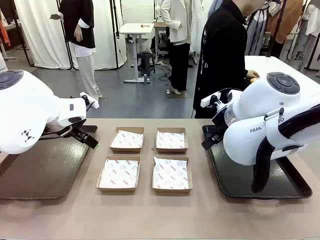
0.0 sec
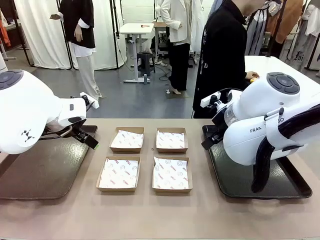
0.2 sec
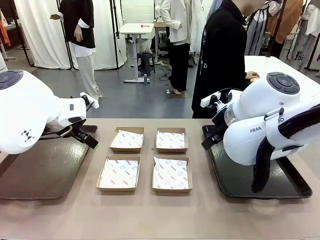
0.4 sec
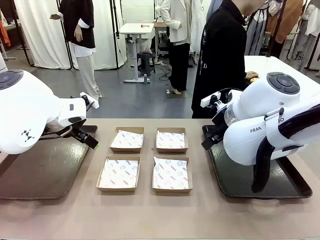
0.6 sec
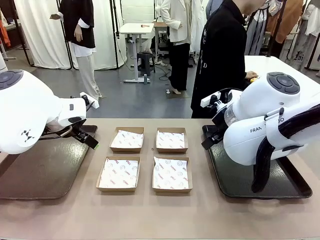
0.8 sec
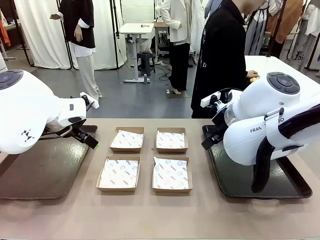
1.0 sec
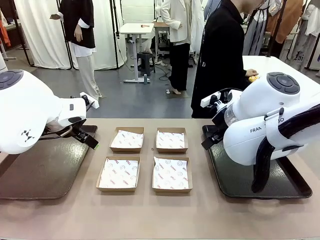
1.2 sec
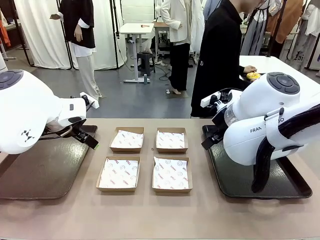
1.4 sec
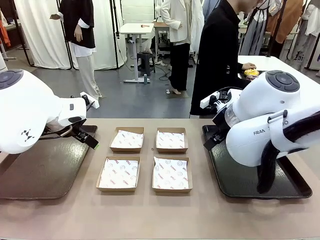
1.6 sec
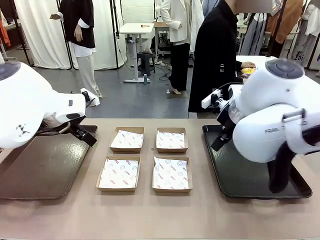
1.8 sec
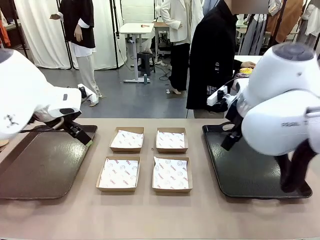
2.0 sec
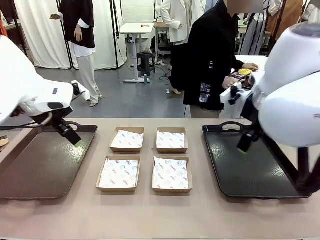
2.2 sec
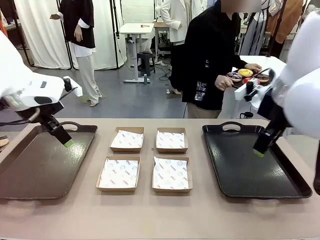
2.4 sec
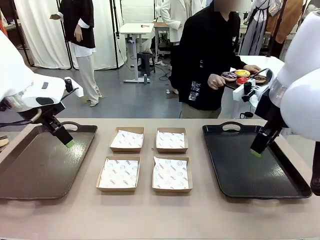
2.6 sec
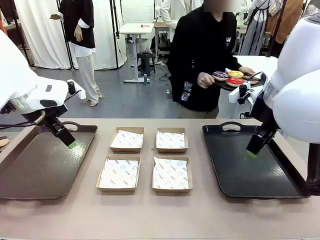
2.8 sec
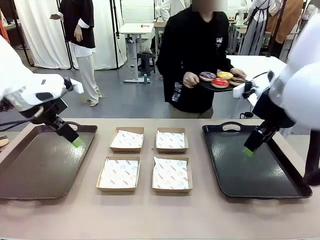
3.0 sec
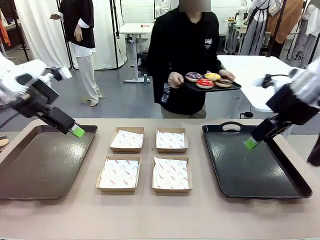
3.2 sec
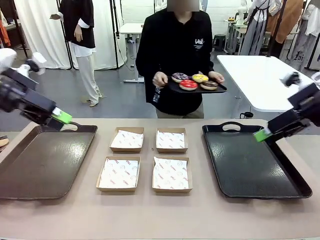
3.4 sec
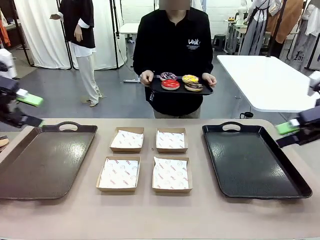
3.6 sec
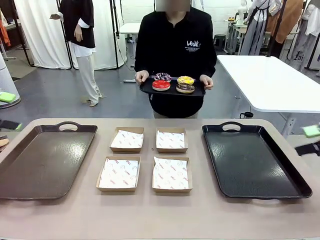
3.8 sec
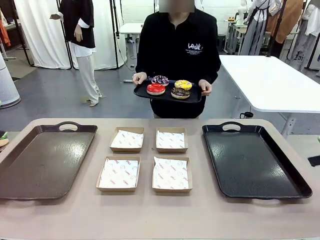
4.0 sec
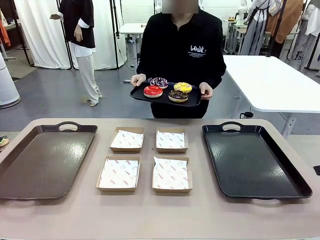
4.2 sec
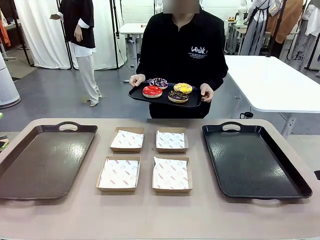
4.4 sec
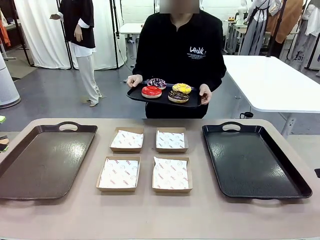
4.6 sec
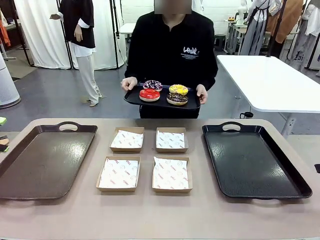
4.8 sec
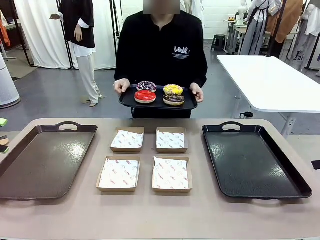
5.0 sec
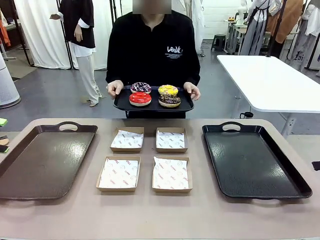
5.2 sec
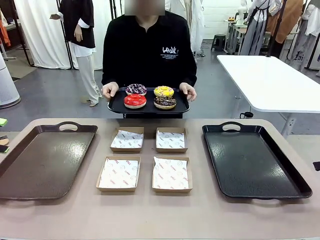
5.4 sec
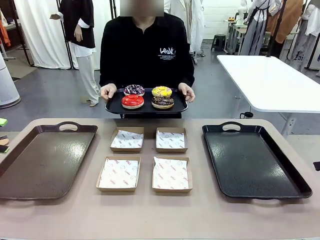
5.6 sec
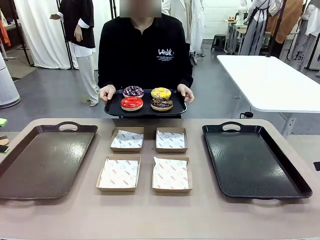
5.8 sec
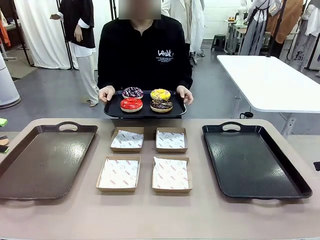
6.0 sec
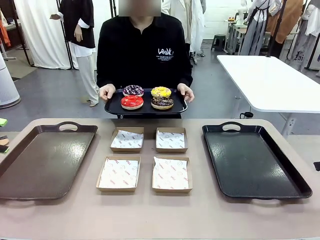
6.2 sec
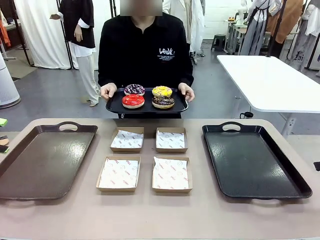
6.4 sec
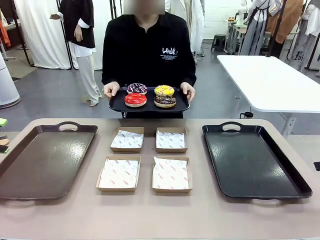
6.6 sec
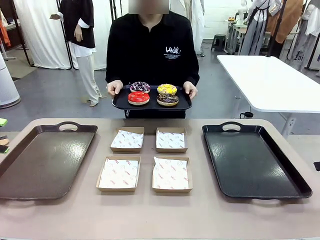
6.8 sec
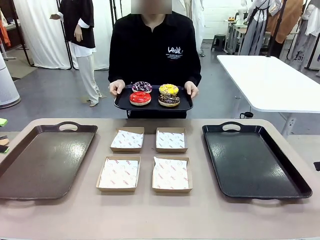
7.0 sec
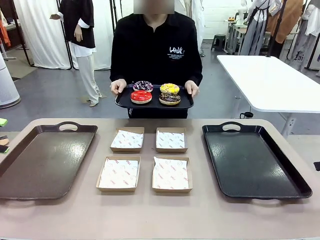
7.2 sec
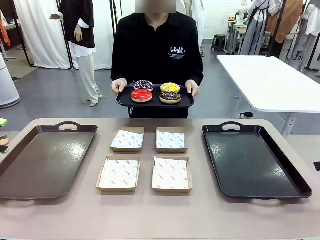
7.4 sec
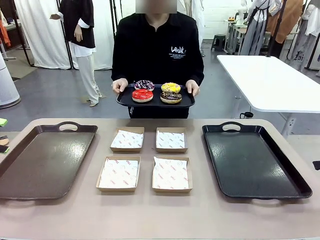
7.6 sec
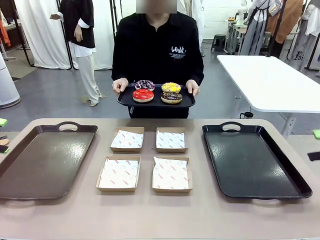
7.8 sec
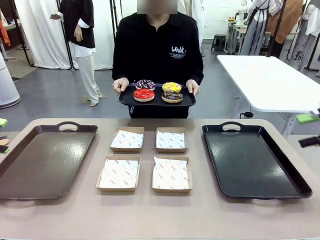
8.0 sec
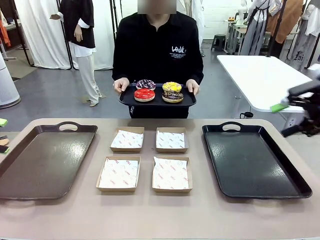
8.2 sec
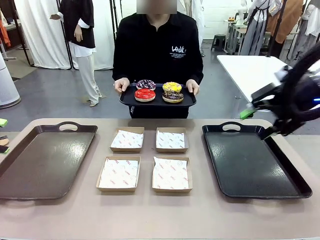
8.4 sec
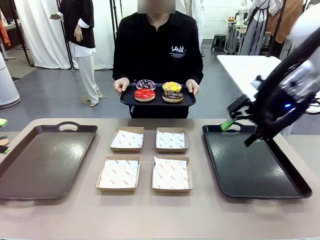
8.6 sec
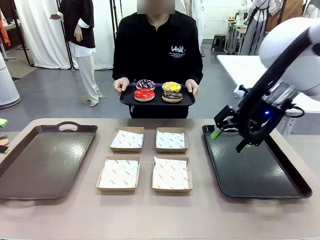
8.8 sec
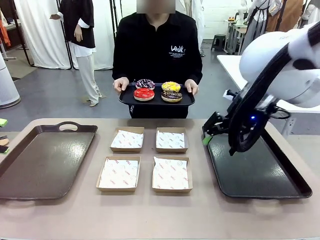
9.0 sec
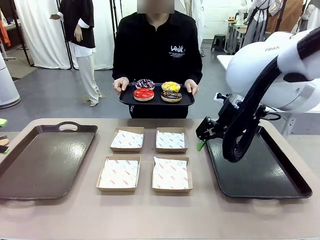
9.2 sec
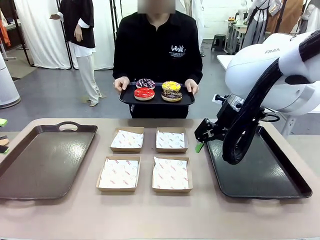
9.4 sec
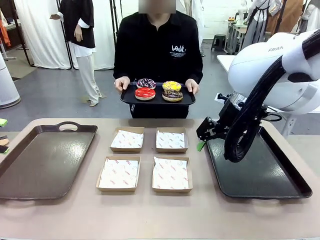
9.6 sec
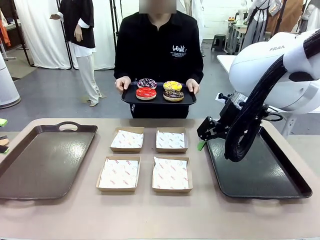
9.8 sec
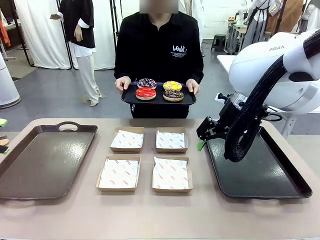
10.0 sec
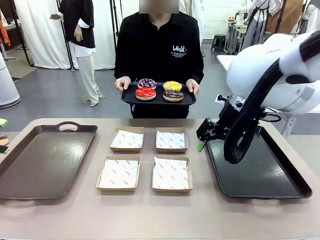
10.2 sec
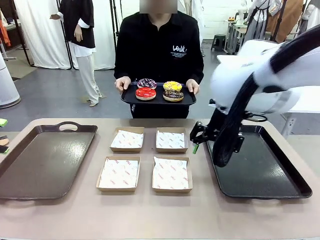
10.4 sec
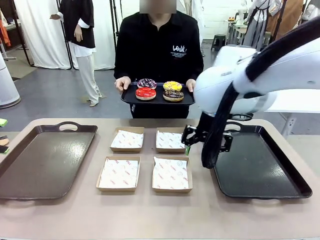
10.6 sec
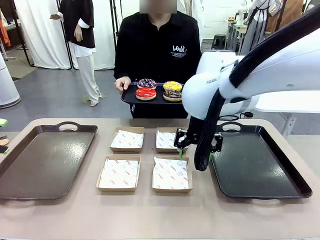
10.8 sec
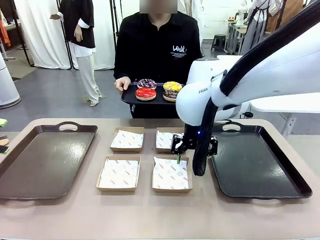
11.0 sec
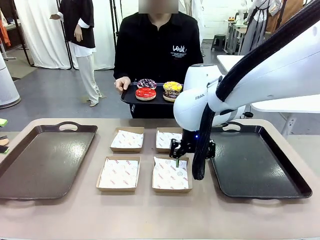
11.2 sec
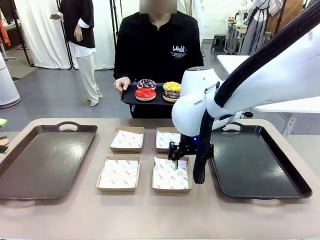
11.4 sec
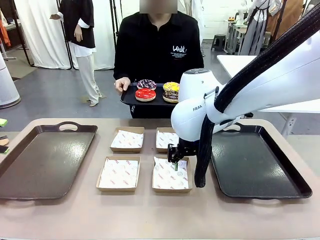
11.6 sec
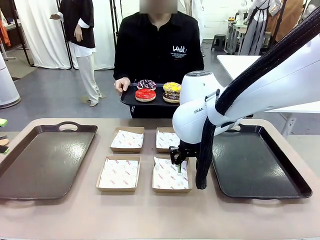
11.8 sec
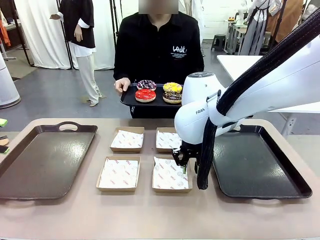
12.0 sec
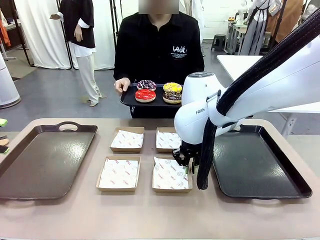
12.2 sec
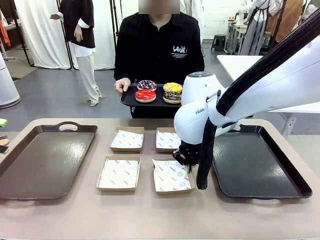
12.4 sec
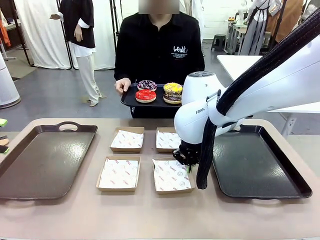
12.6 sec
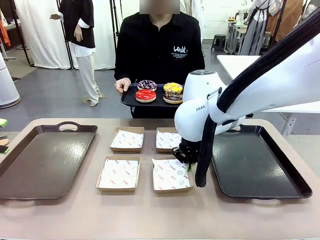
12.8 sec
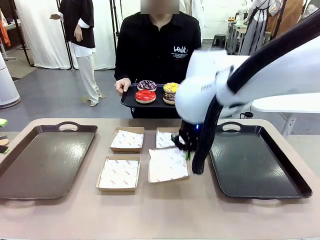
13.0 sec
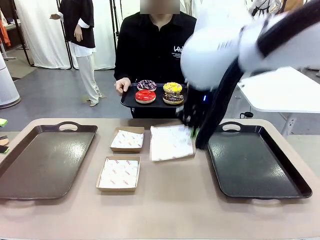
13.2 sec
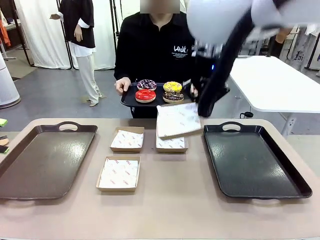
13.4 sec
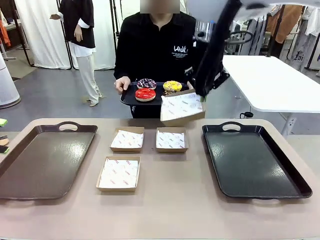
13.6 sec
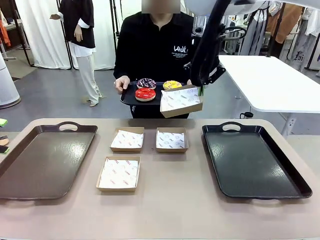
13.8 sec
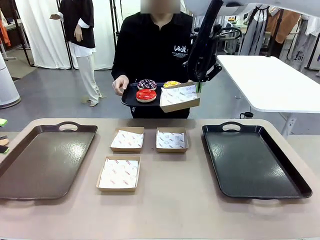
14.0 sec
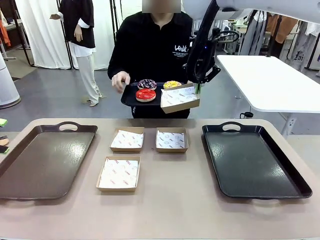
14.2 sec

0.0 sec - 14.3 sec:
Task: Individually package the donuts and arrange them on the tray.
Robot: Pick up one Paper togo box.
Person: Stand in front of the robot table holding the tray containing the donuts.

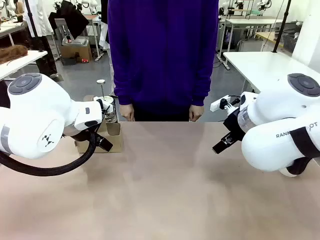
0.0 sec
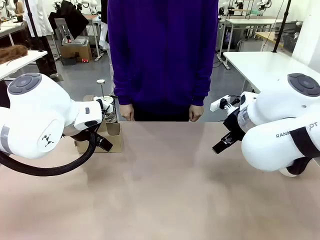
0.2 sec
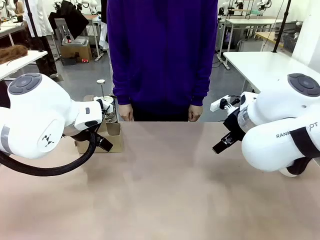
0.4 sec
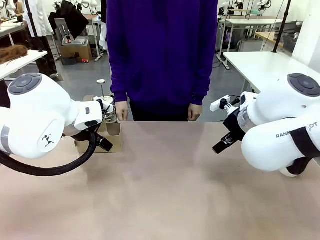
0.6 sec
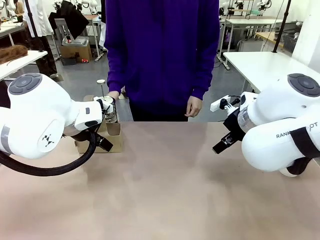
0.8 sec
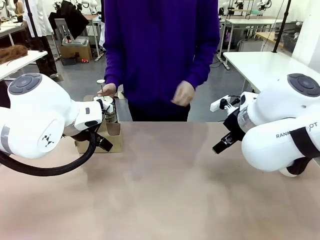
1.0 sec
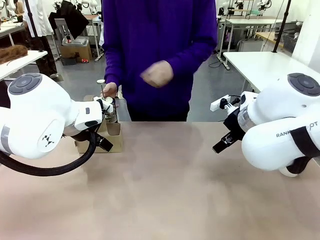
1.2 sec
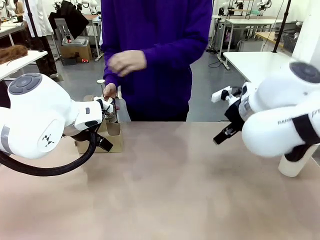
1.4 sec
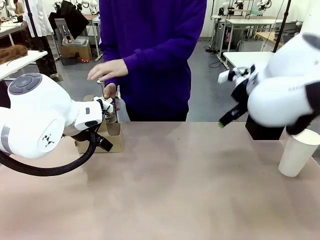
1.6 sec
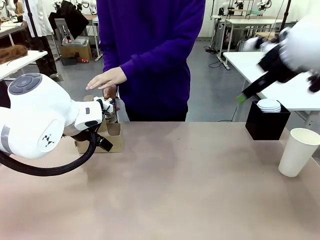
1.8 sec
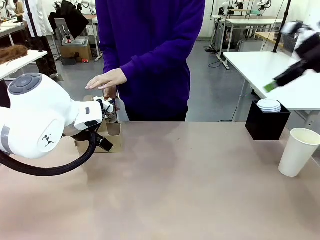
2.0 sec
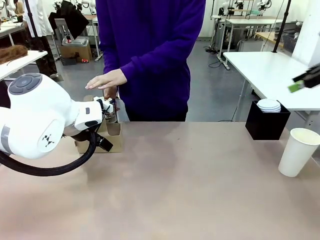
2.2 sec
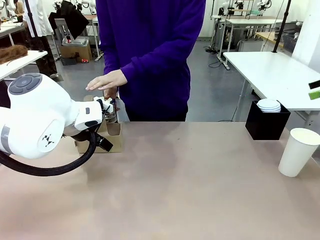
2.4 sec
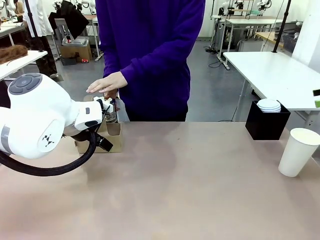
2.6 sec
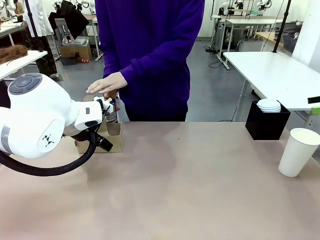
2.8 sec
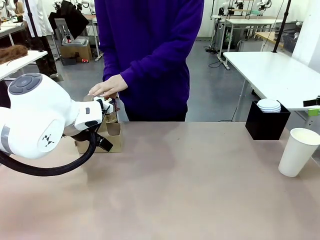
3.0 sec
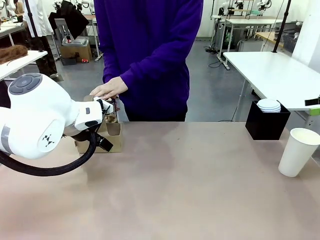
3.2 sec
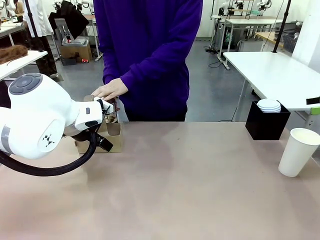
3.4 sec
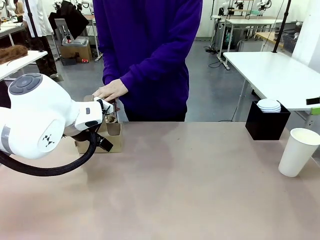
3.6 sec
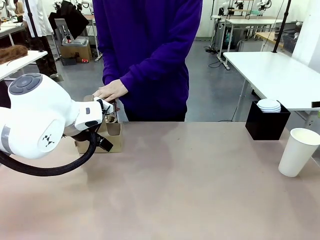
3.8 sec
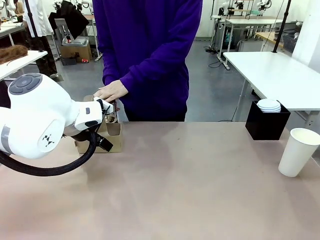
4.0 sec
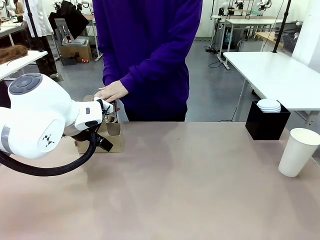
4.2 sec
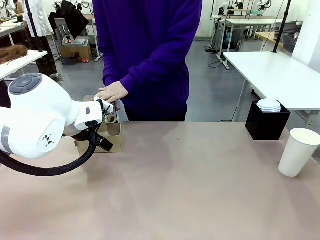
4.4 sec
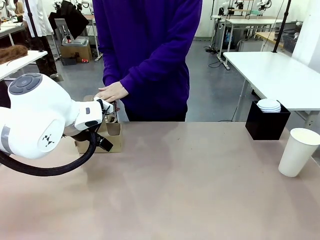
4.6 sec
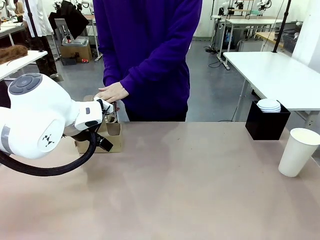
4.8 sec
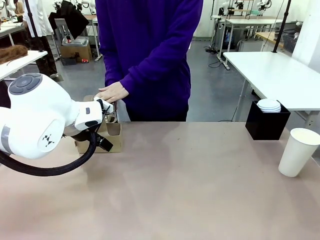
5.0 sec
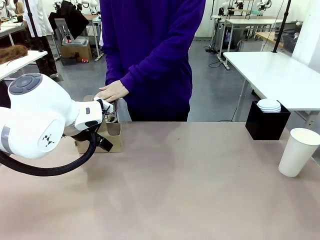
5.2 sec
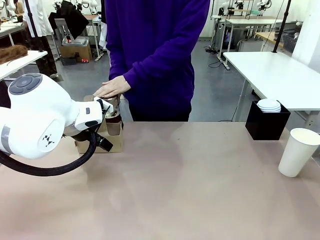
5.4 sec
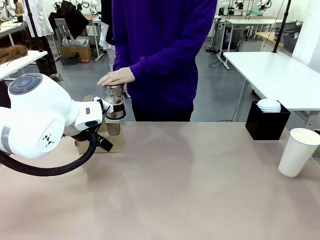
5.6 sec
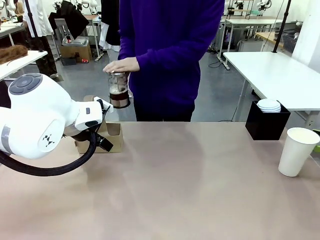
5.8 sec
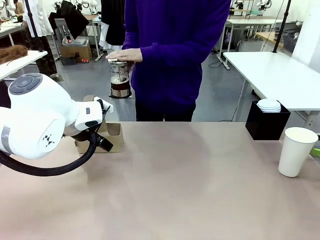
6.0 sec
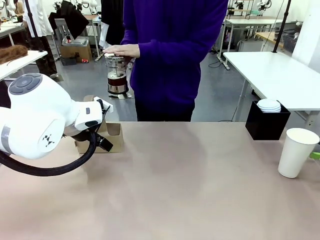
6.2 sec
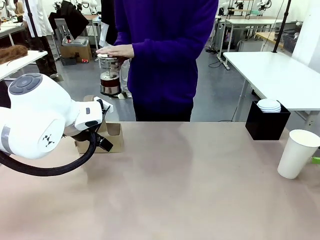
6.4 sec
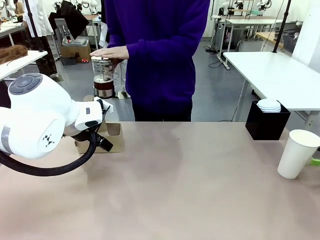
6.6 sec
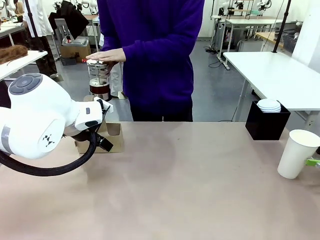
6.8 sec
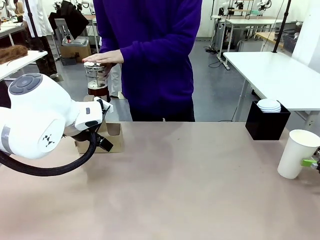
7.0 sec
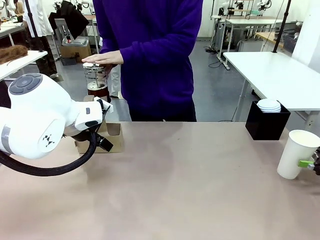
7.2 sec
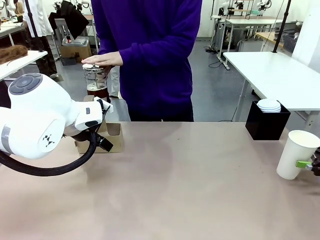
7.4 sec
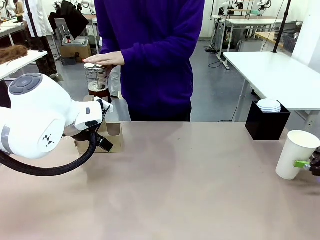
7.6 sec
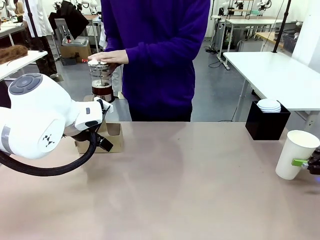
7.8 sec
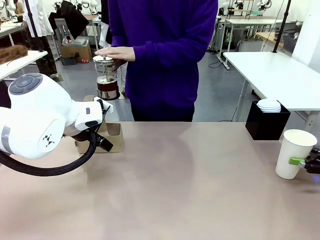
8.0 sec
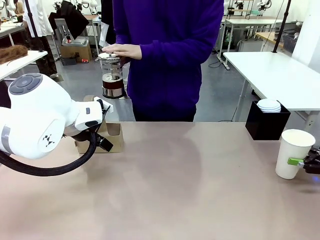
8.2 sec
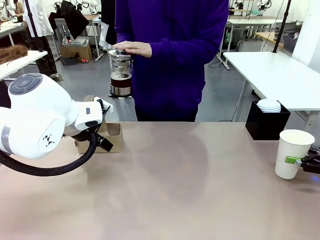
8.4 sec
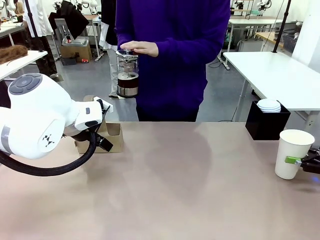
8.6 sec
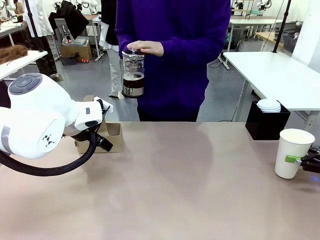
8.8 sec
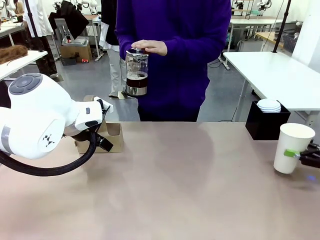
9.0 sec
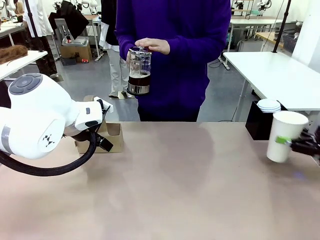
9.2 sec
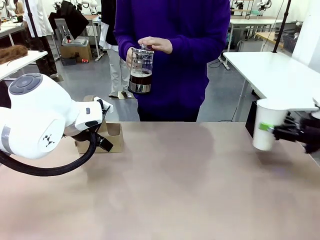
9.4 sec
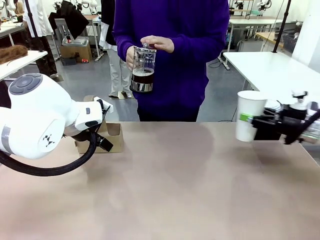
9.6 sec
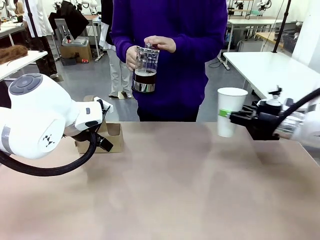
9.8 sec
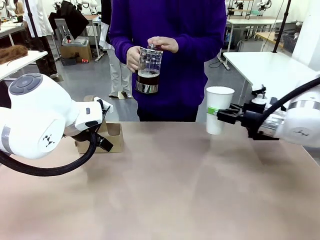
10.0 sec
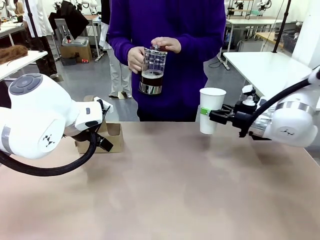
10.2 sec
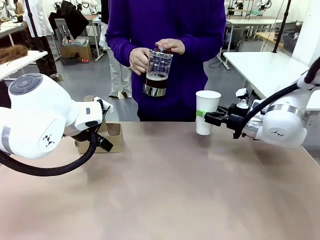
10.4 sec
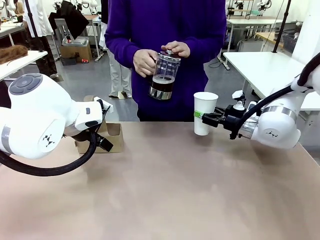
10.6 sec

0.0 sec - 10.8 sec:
Task: Pour a drink into a cup and package it in a carrier.
Robot: Pick up the 600 ml Paper Cup and place it in the middle top area of the table.
Person: Press and pick up the Filter Brewing.
